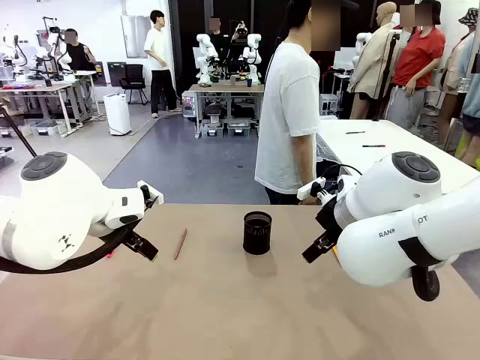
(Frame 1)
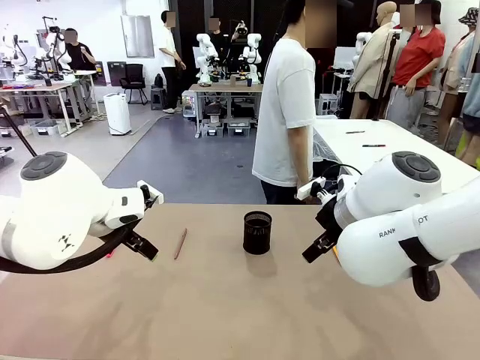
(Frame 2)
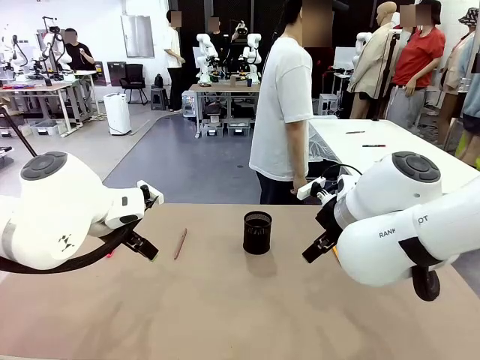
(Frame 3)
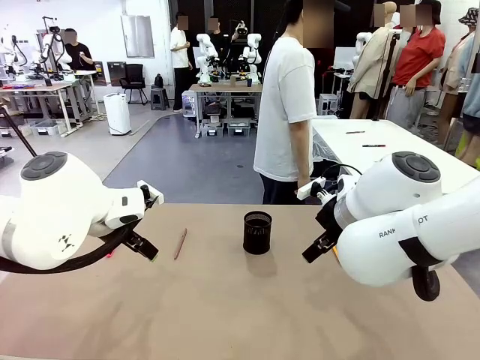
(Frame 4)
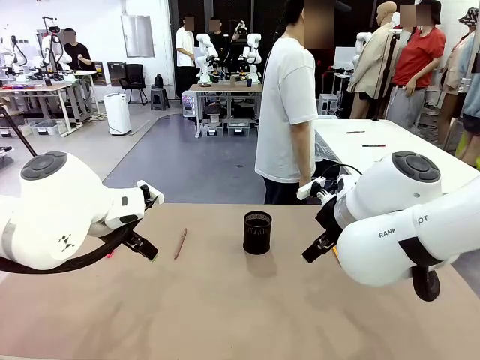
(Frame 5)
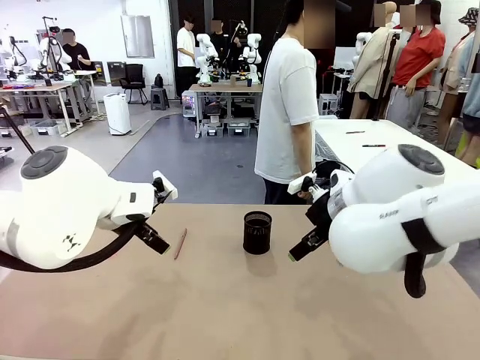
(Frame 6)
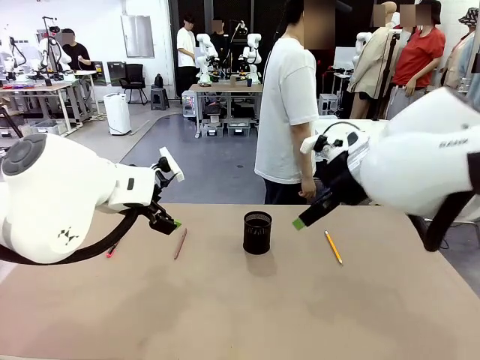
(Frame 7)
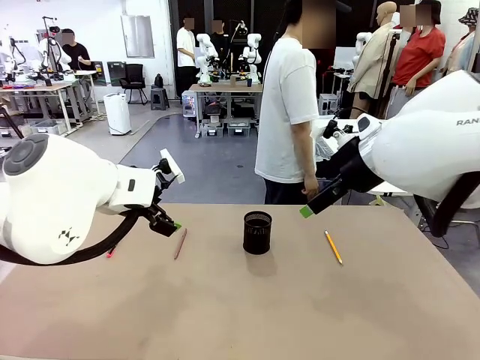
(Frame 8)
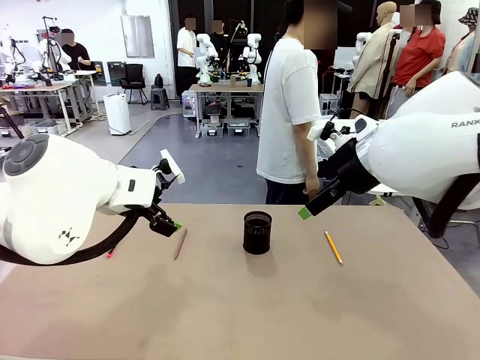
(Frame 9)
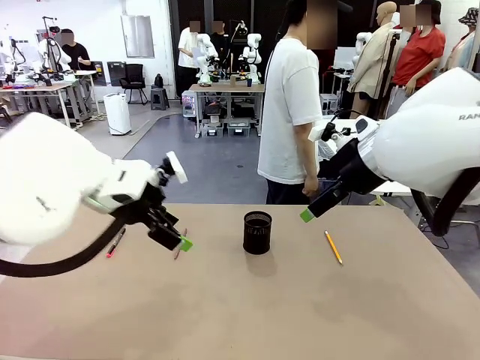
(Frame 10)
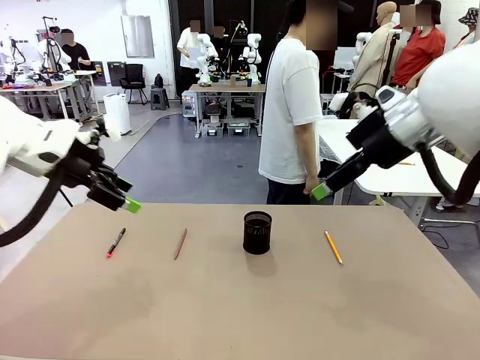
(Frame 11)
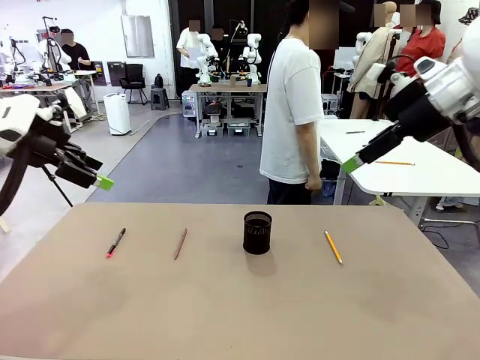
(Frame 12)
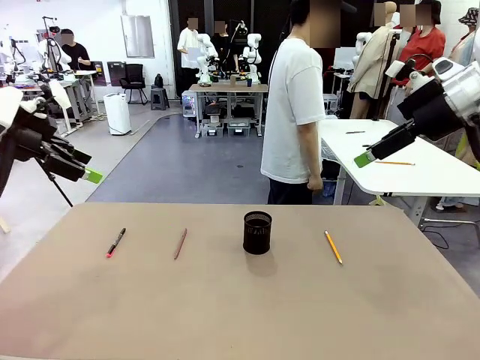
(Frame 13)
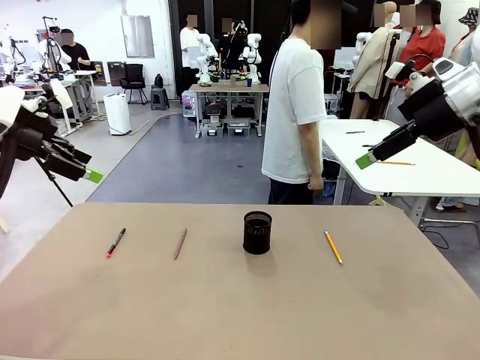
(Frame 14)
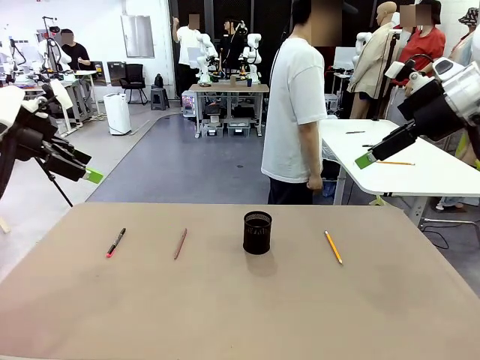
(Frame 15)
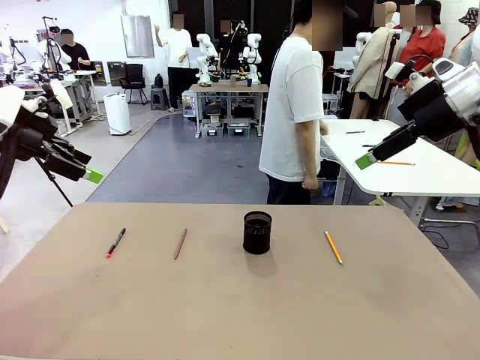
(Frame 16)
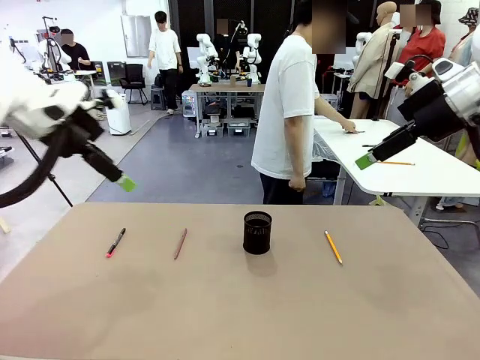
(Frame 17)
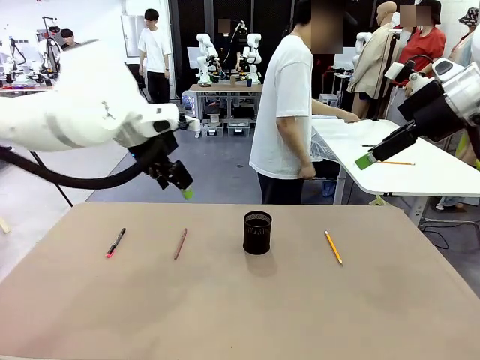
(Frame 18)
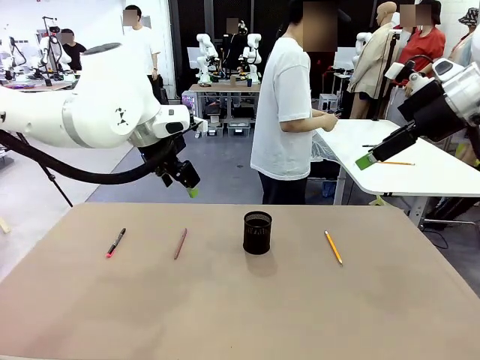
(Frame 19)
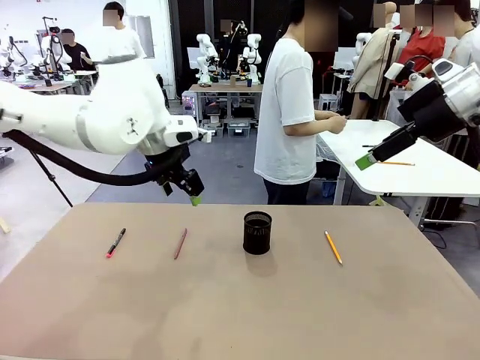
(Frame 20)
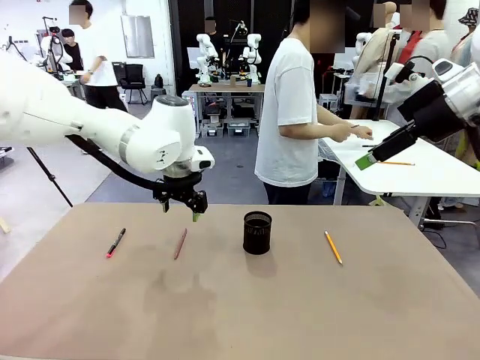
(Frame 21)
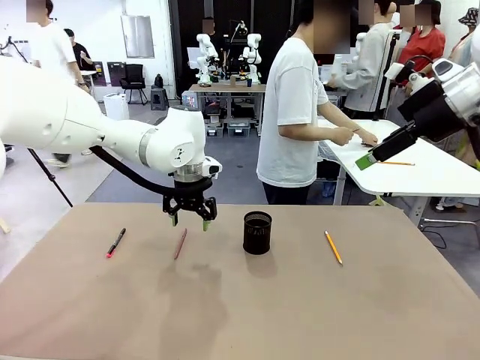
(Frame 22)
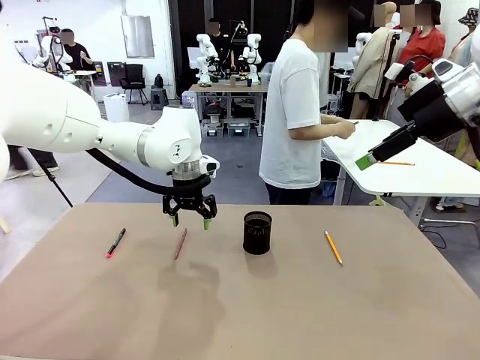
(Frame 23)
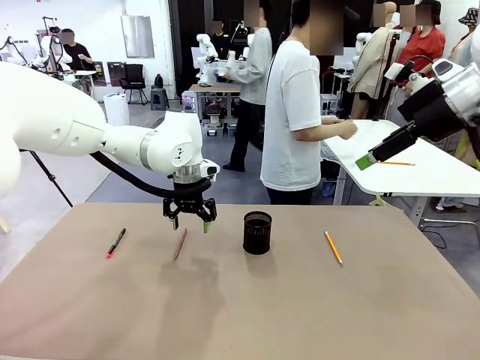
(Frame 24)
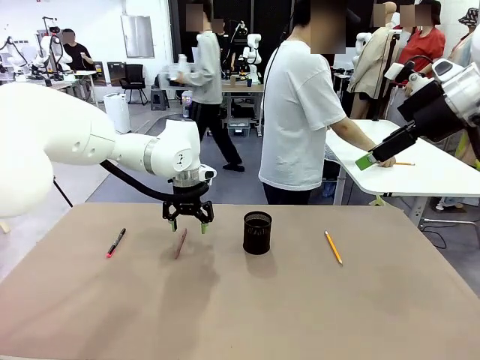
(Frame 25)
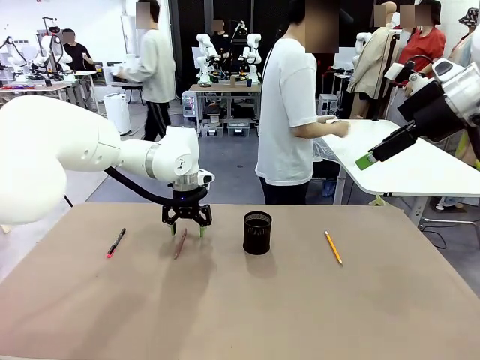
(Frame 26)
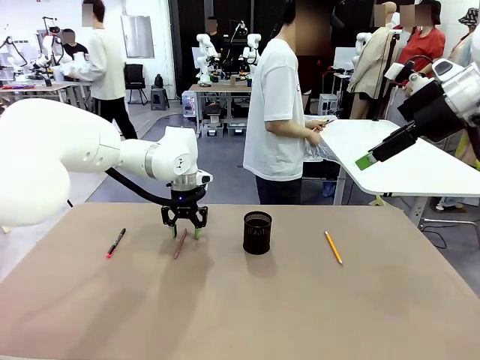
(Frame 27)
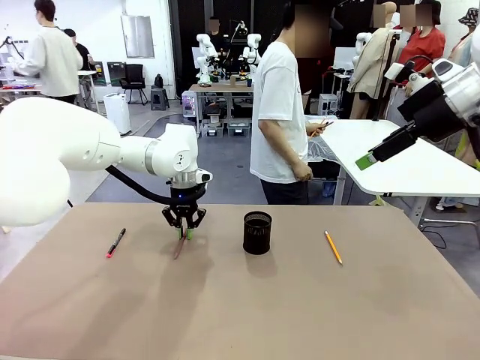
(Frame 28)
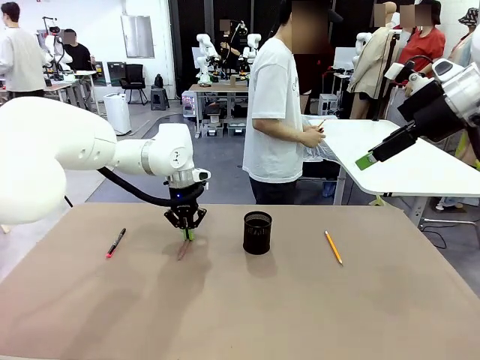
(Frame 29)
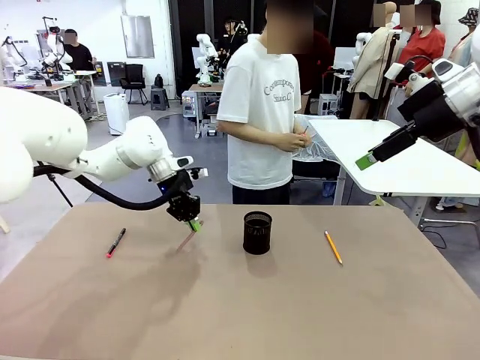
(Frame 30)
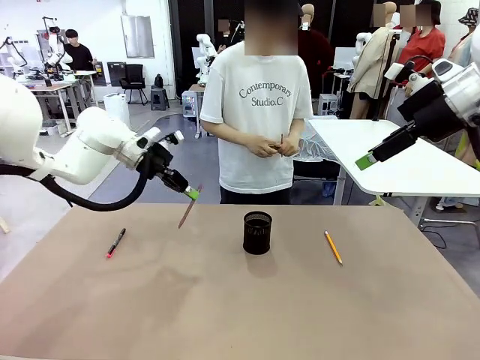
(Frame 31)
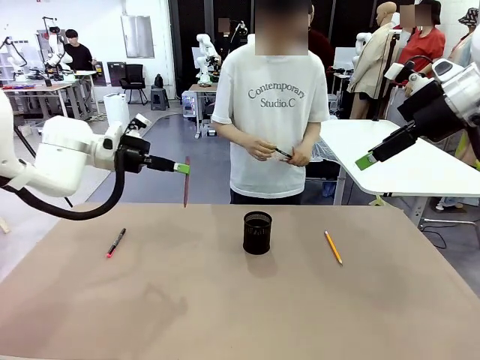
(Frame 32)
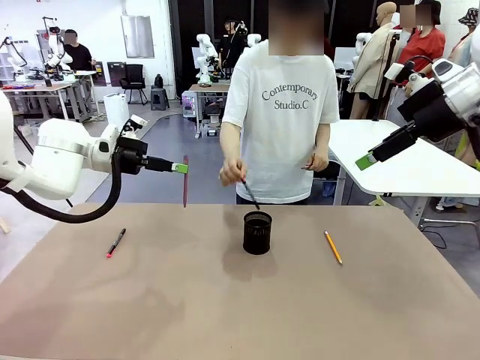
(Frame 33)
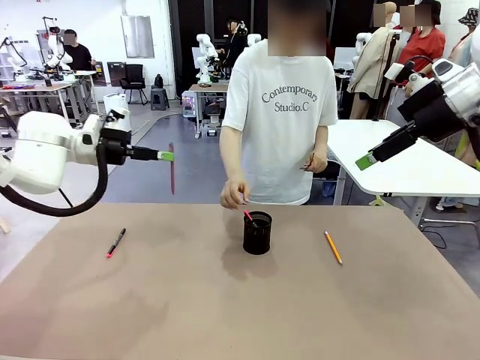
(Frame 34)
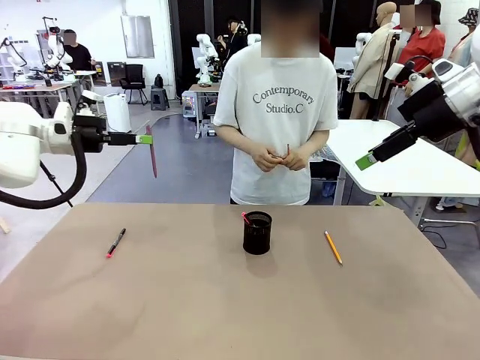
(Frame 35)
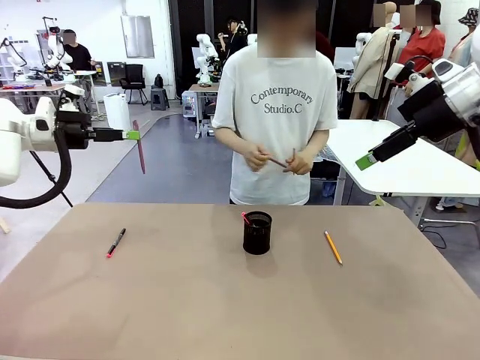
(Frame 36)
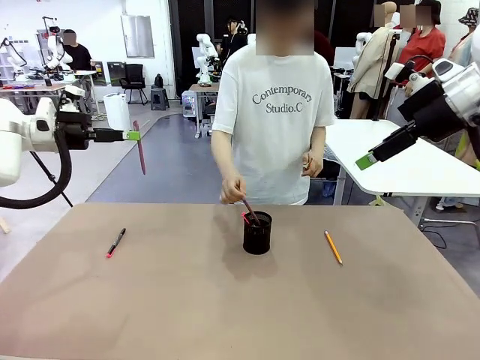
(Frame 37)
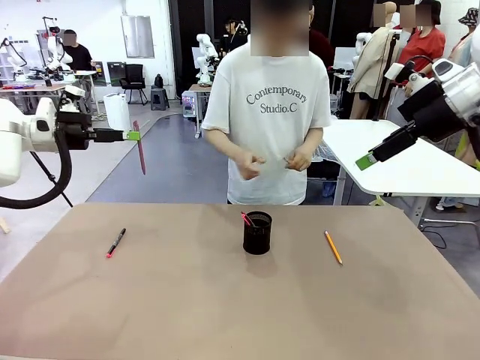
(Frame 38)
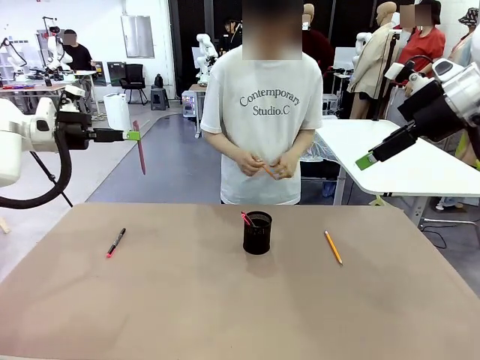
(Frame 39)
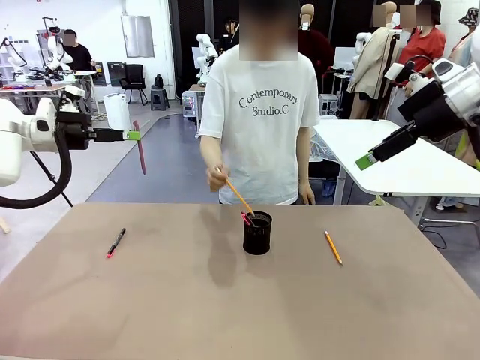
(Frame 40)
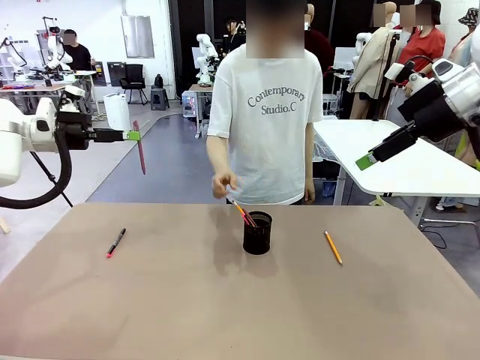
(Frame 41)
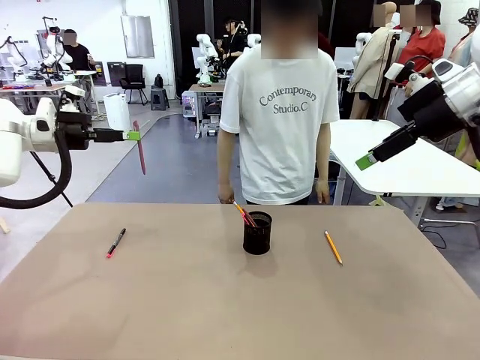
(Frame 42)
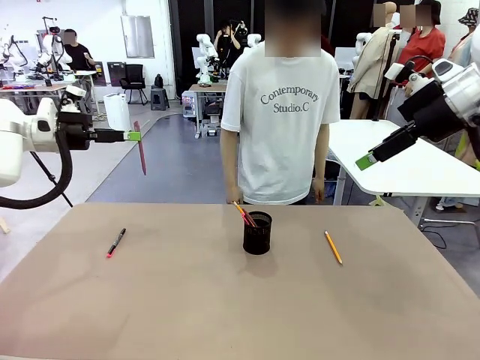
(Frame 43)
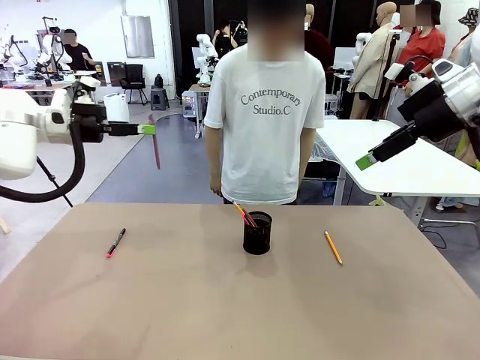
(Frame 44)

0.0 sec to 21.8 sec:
Task: Place the pens into the pen holder.
Robot: Pick up a writing instrument from the table and place it into the Pen holder.
Person: Pick up all writing instruments from the Human table.
